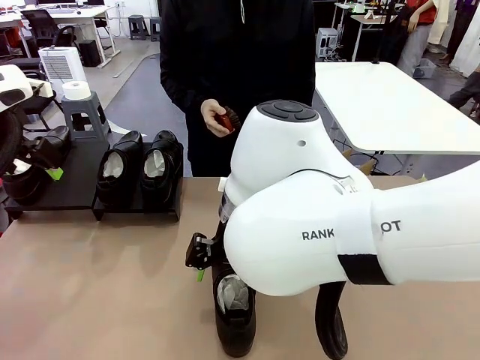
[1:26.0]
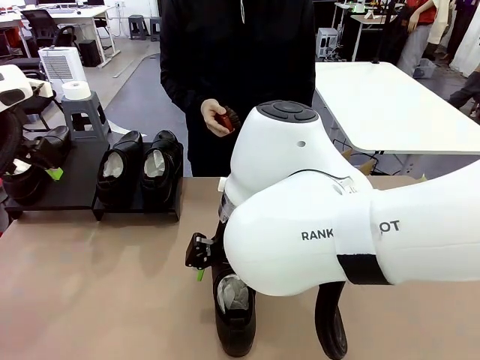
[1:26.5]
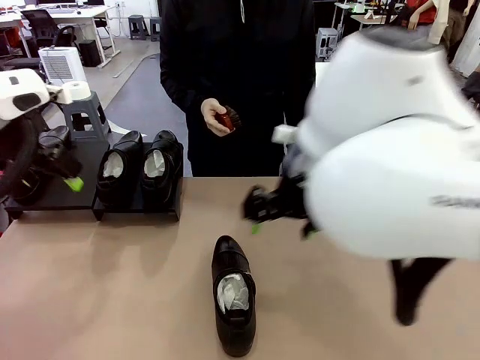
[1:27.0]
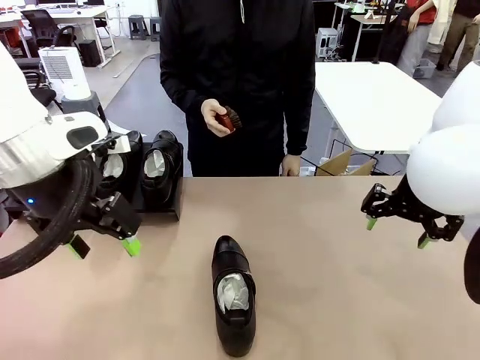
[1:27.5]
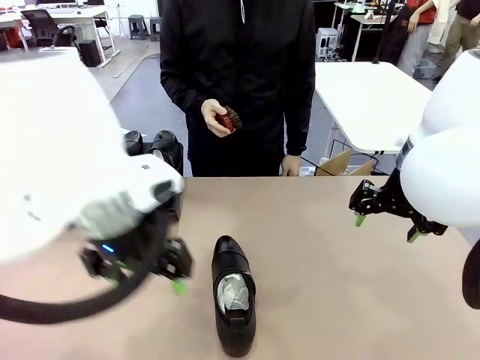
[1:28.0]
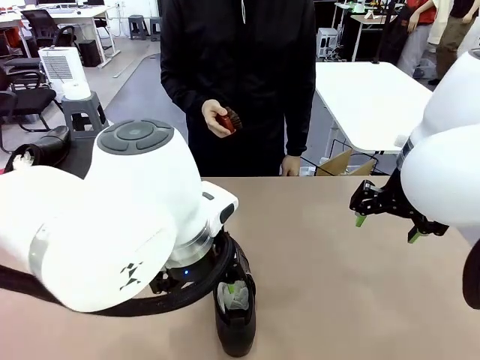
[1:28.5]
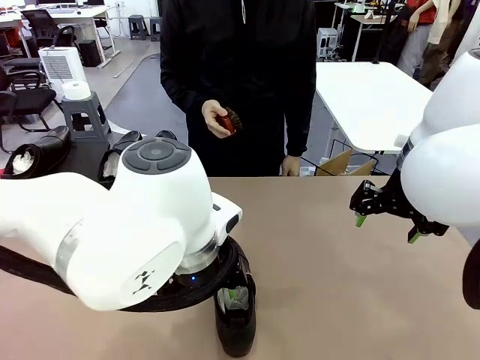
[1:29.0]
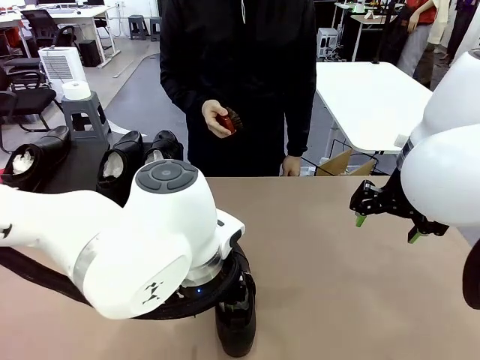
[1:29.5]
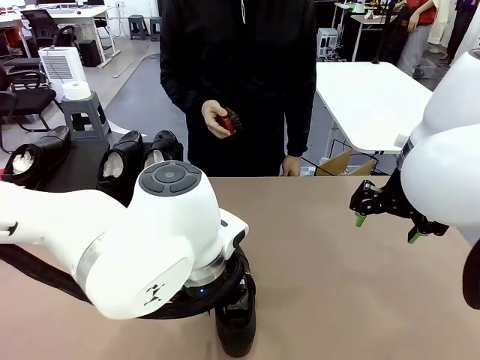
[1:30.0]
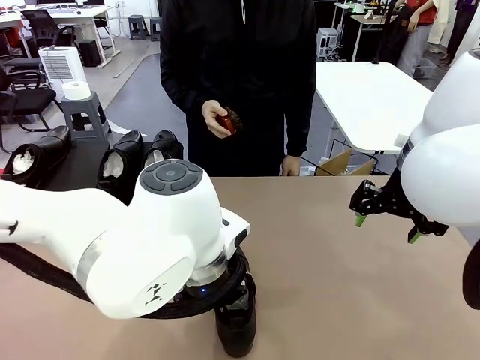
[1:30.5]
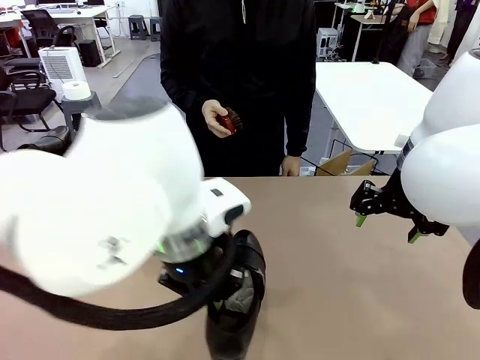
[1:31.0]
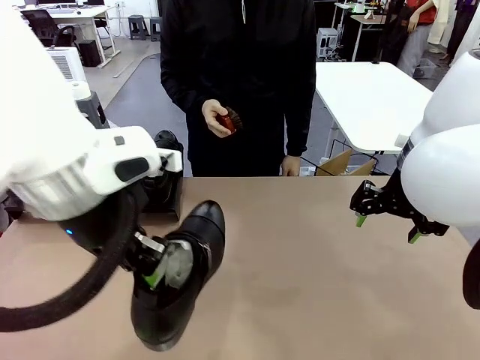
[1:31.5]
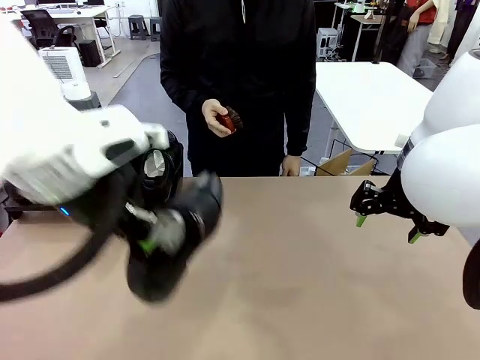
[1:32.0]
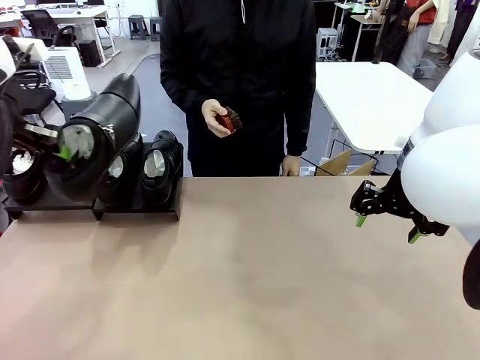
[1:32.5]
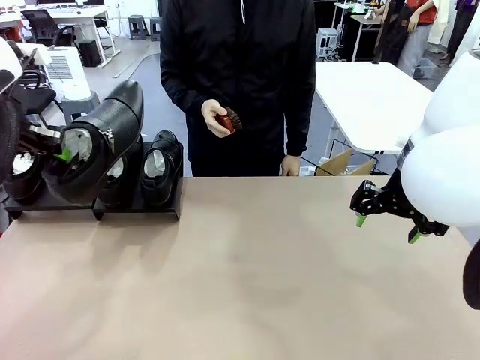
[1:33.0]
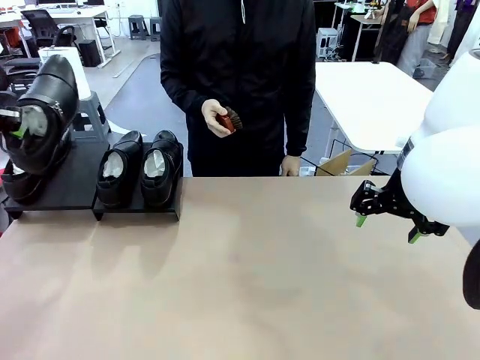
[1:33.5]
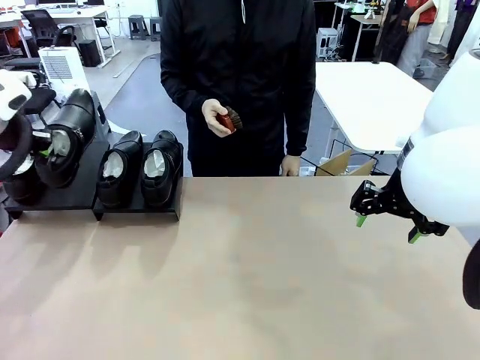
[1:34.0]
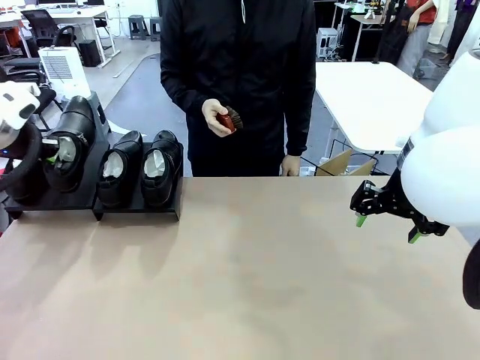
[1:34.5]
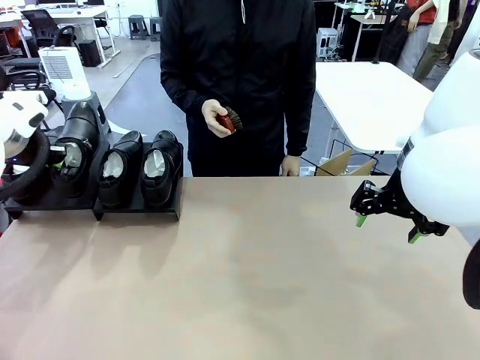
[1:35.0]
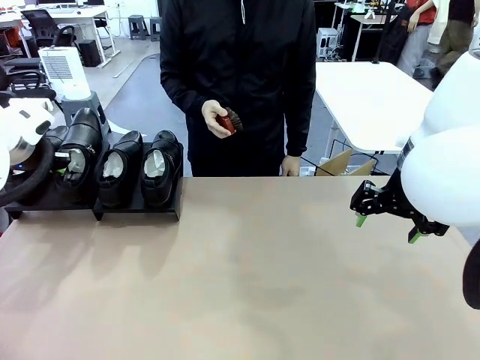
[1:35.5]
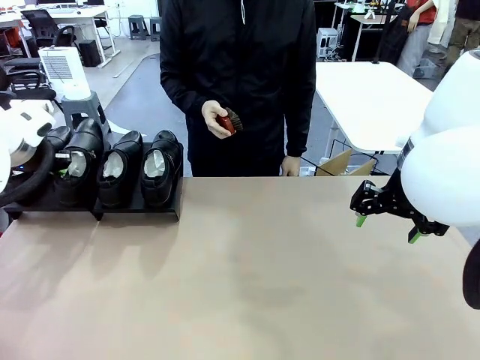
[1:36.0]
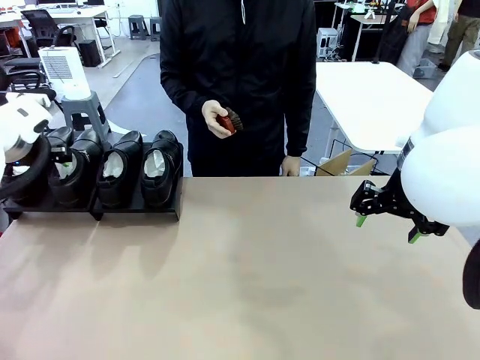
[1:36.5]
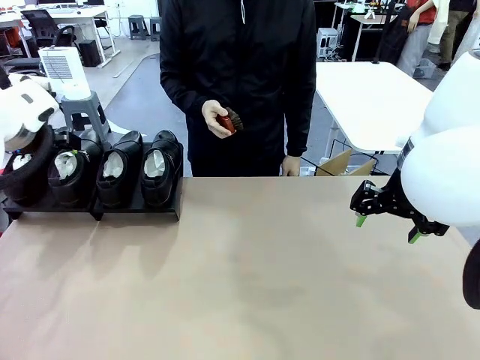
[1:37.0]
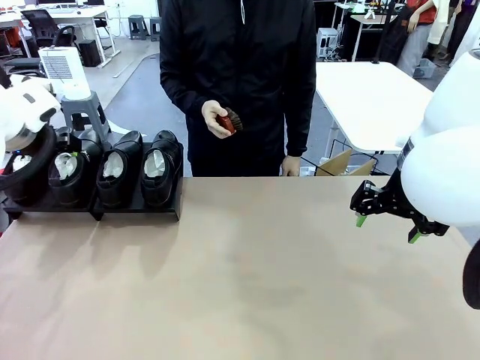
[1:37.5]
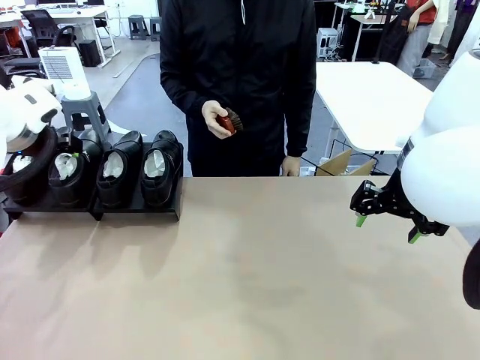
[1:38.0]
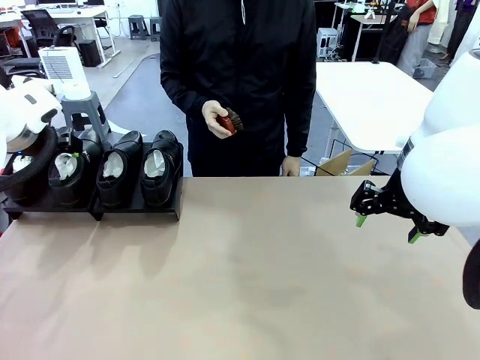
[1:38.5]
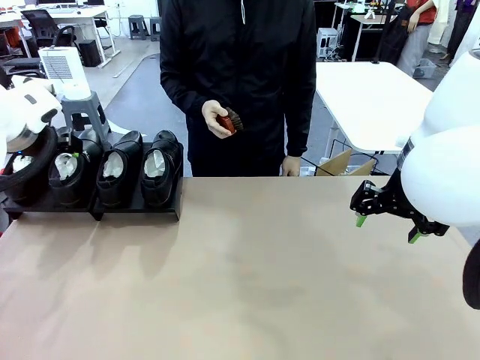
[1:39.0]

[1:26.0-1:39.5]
Task: Organize the shoes by placing them on the stand.
Robot: Place the Shoe from the middle of the table onto the Shoes Stand.

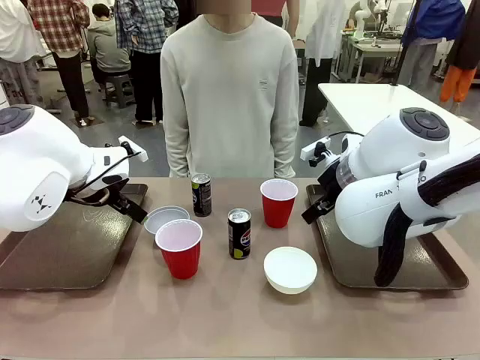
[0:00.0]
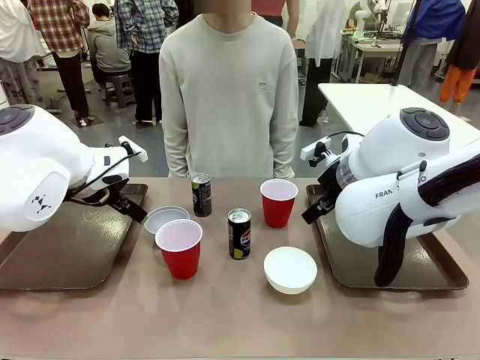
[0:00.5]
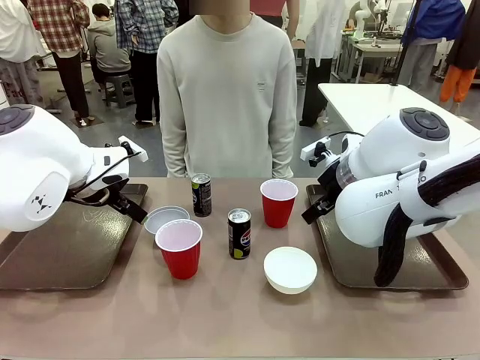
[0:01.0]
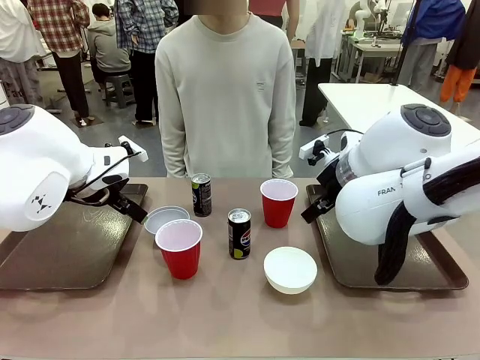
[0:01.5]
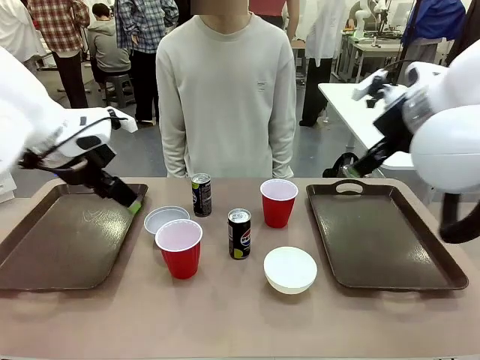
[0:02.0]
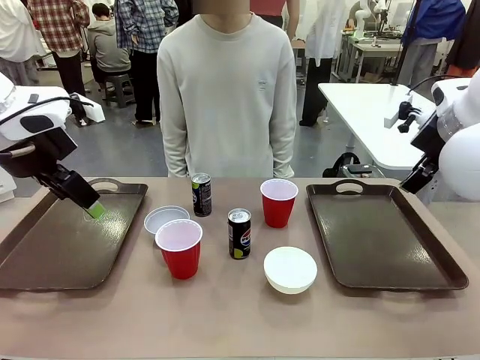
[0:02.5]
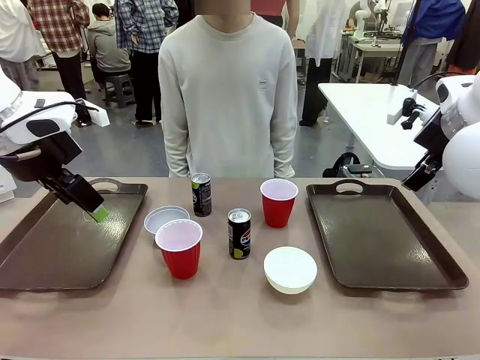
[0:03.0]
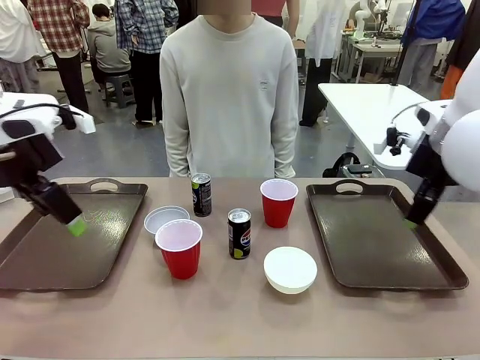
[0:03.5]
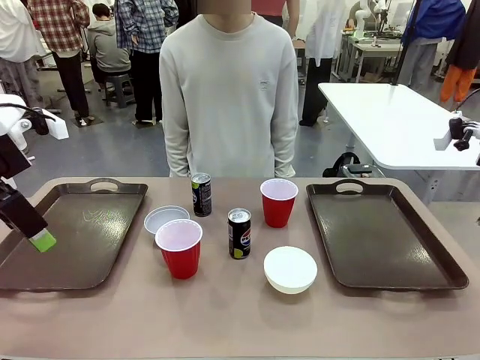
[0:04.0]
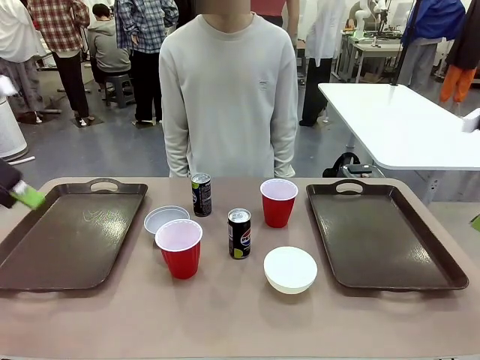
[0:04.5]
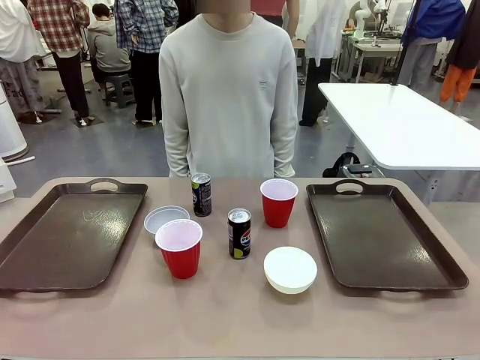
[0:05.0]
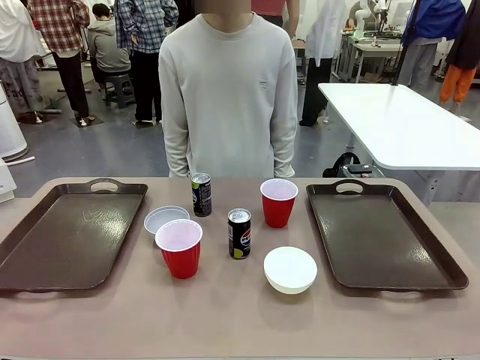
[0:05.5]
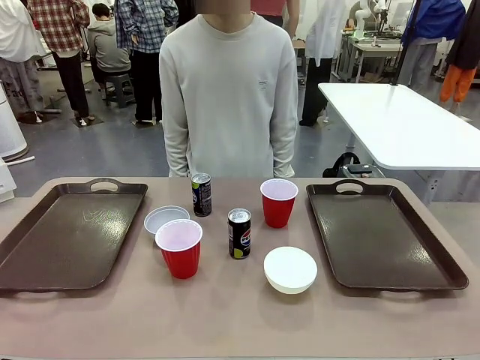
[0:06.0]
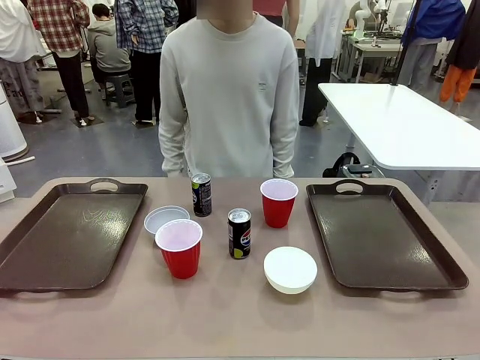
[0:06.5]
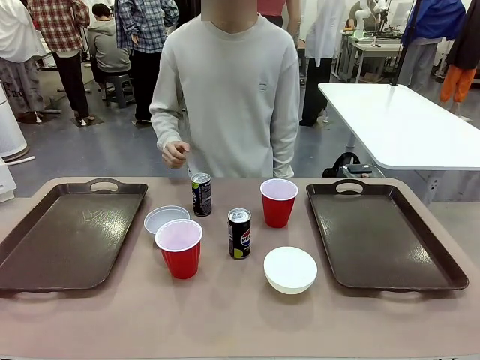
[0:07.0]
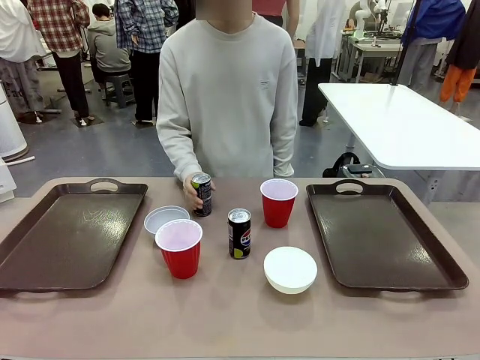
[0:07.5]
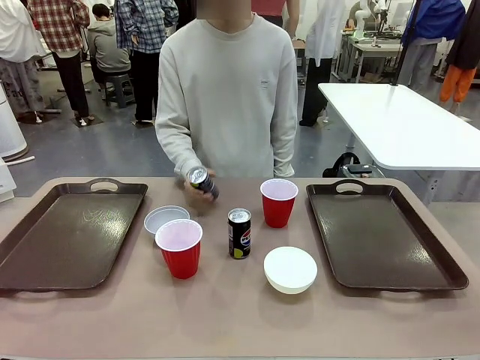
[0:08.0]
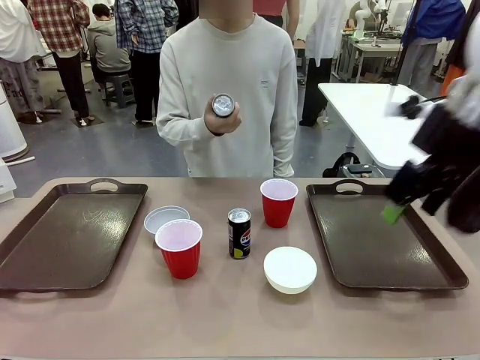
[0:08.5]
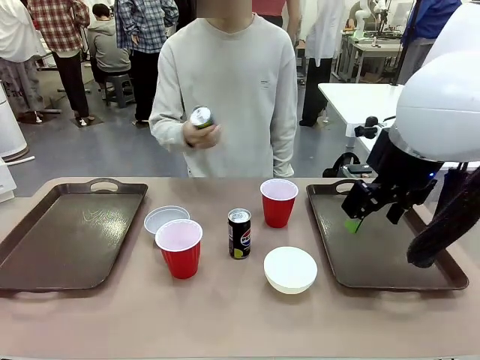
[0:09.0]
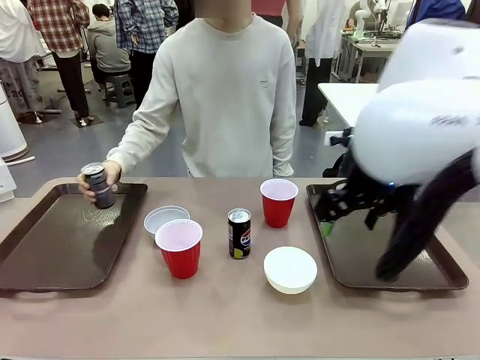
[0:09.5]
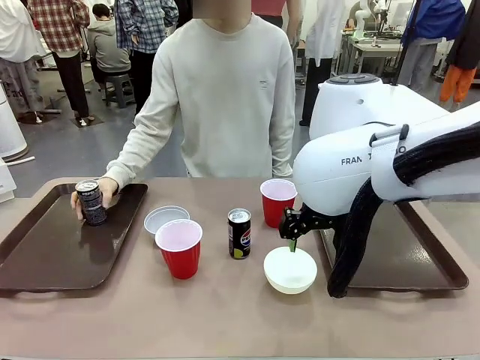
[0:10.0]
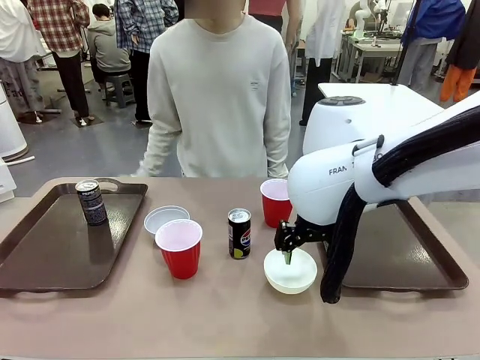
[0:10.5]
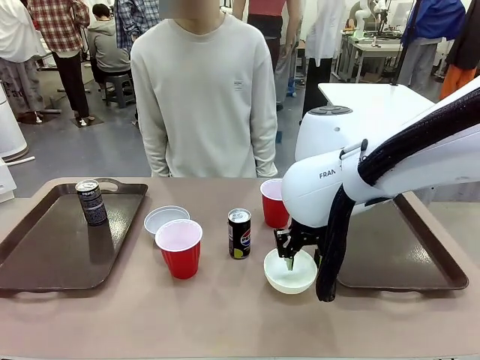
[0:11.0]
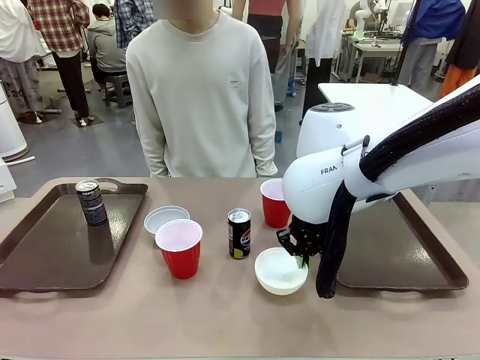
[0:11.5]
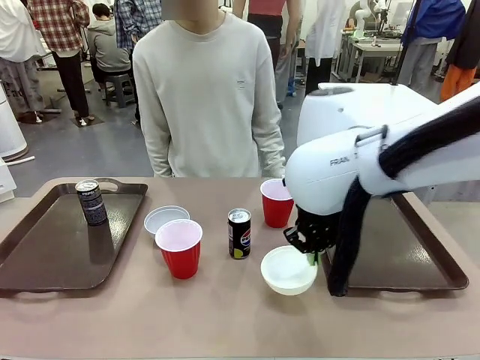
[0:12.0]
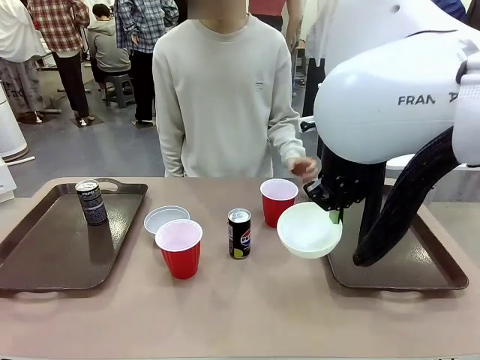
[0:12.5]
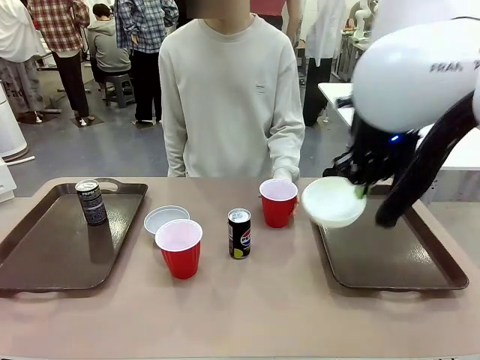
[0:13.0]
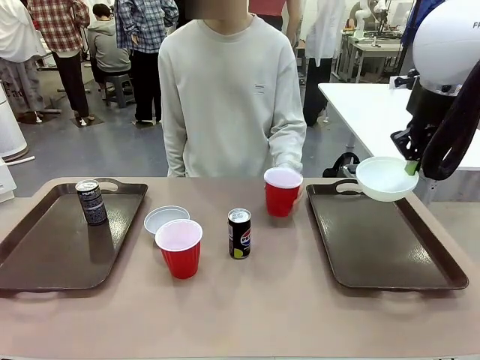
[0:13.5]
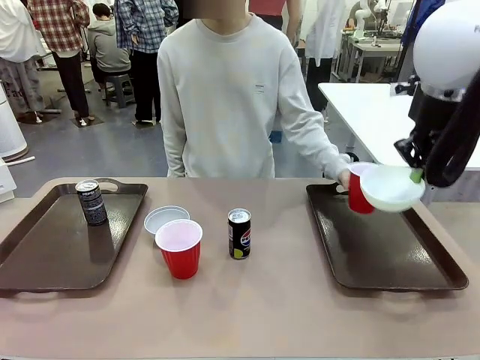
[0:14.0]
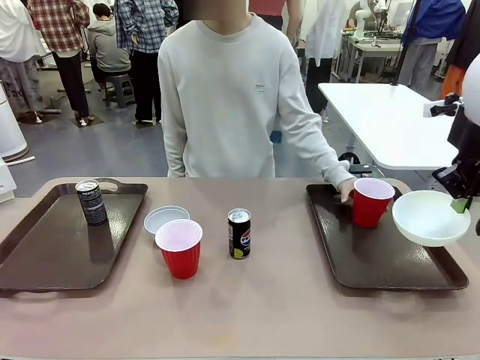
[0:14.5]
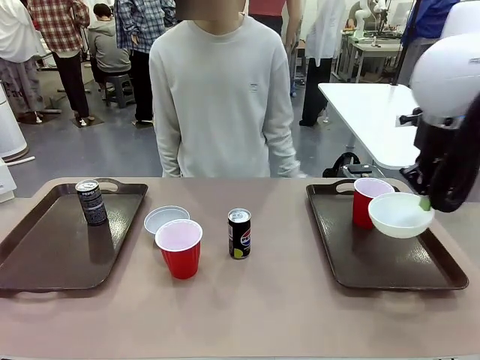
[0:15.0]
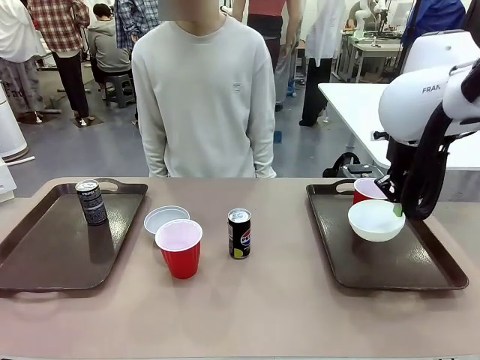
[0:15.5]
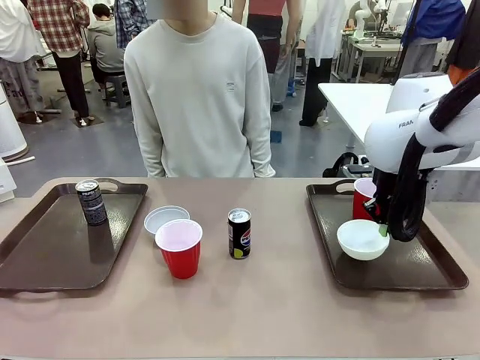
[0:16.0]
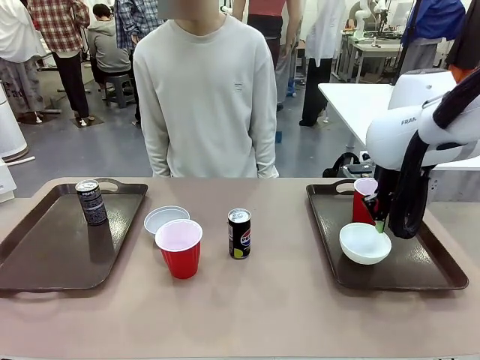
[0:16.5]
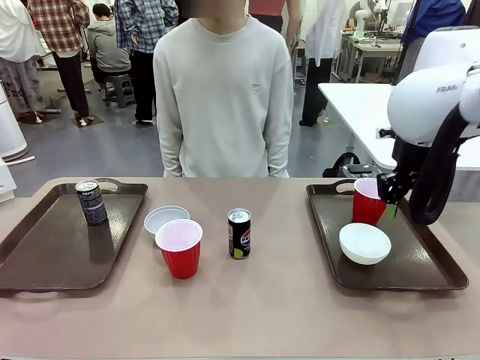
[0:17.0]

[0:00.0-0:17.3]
Task: Prepare tableware on both trays.
Robot: Pick up a Picnic Bowl from the table and place it on a Handle tray.
Person: Pick up a can or cup and place it on the tray.
